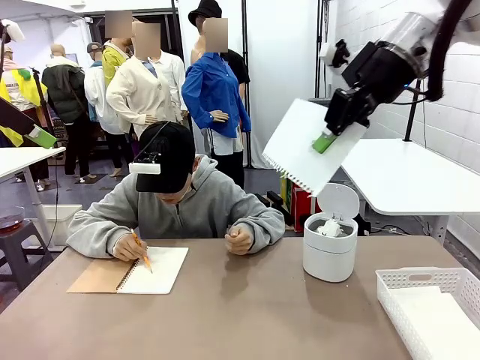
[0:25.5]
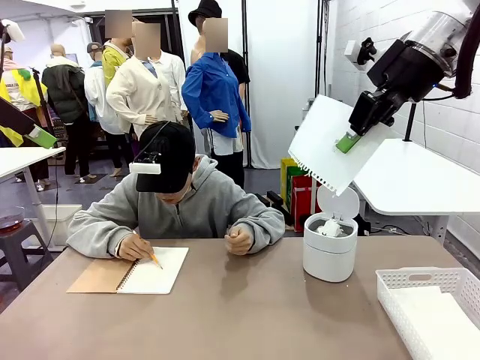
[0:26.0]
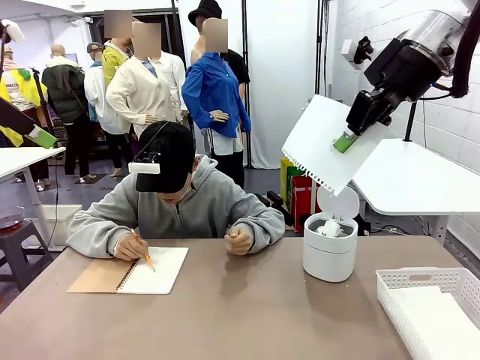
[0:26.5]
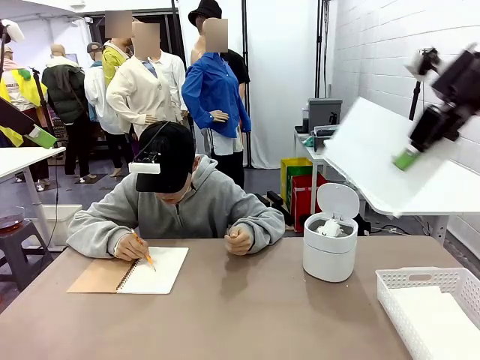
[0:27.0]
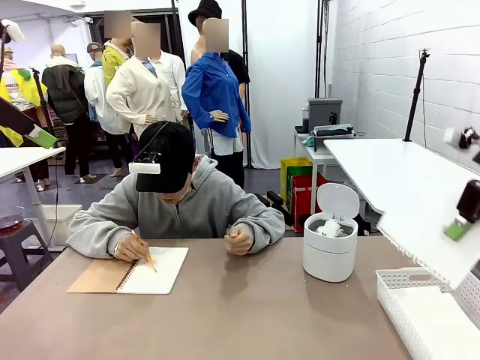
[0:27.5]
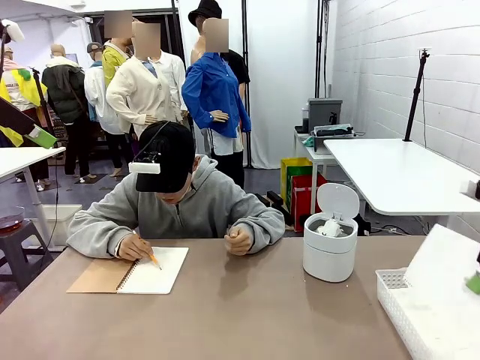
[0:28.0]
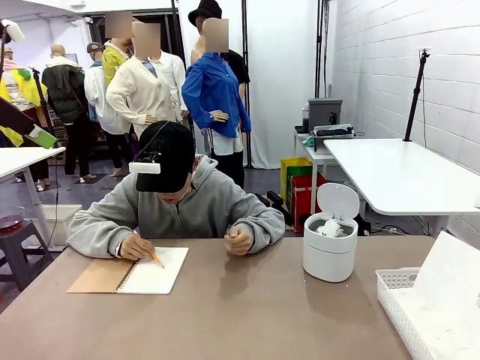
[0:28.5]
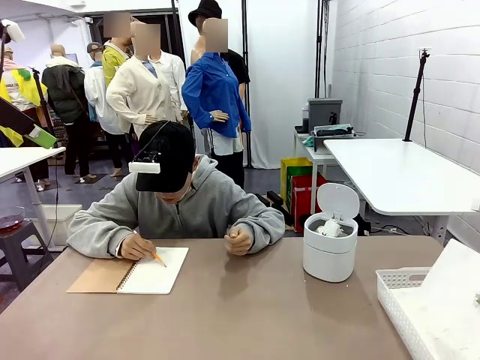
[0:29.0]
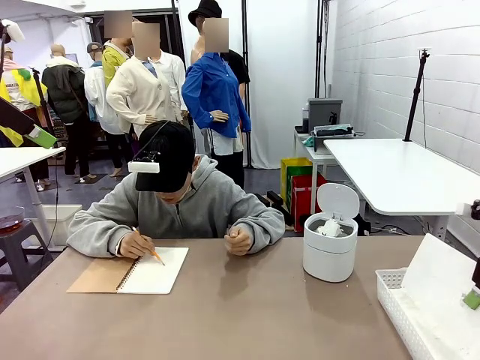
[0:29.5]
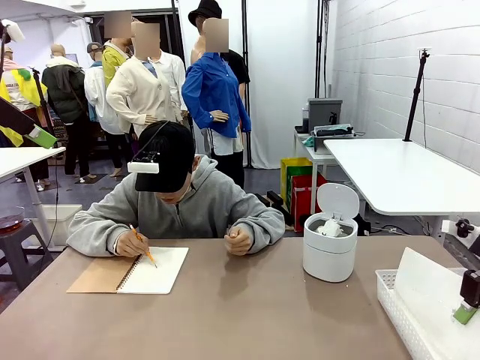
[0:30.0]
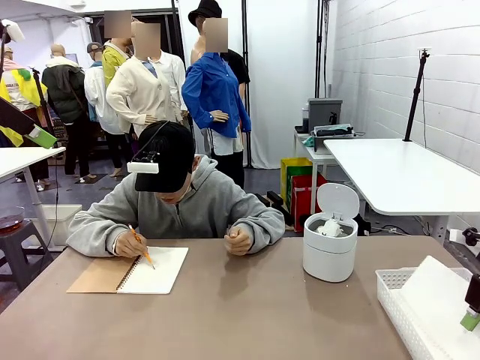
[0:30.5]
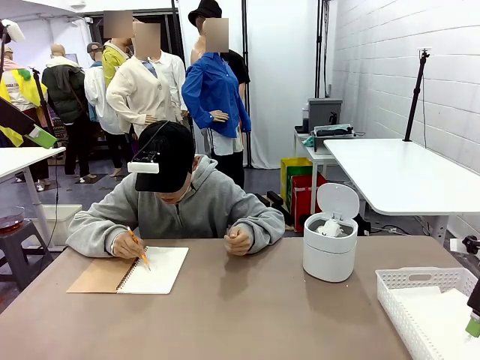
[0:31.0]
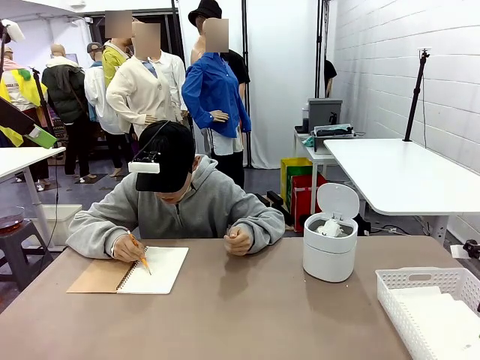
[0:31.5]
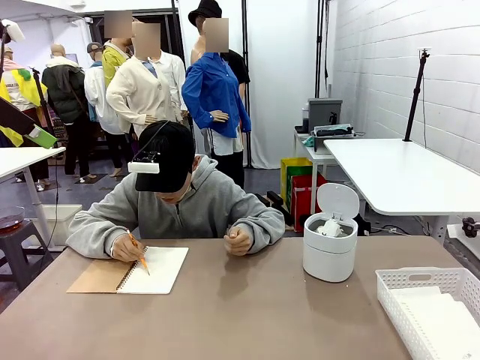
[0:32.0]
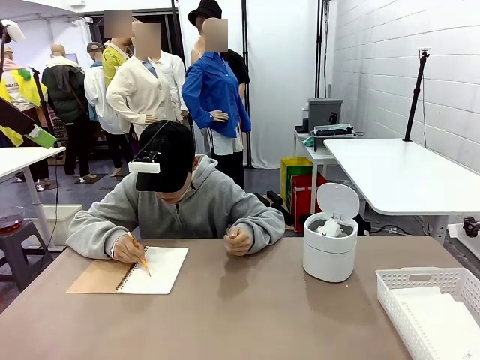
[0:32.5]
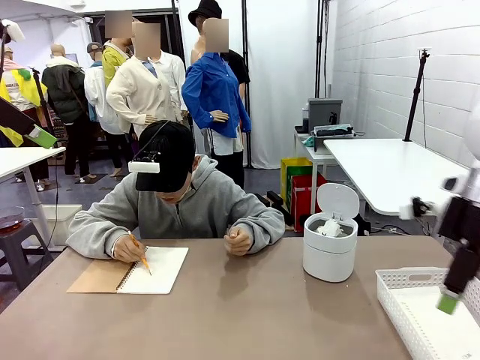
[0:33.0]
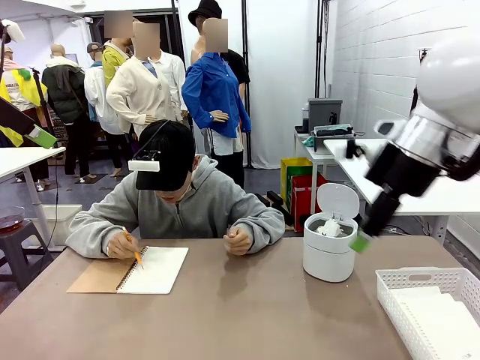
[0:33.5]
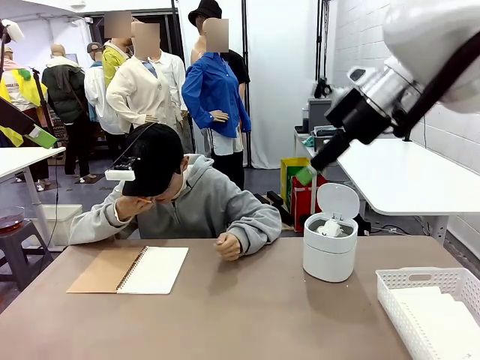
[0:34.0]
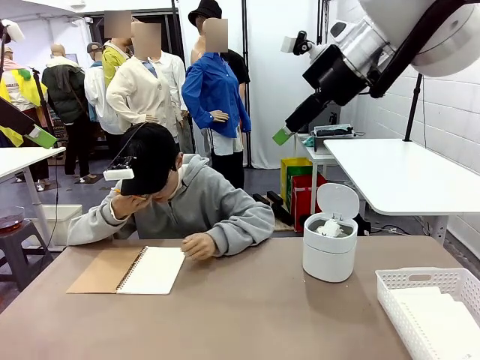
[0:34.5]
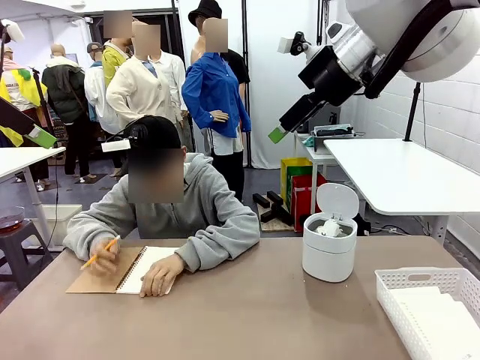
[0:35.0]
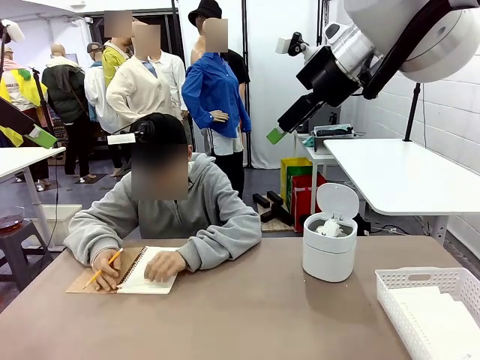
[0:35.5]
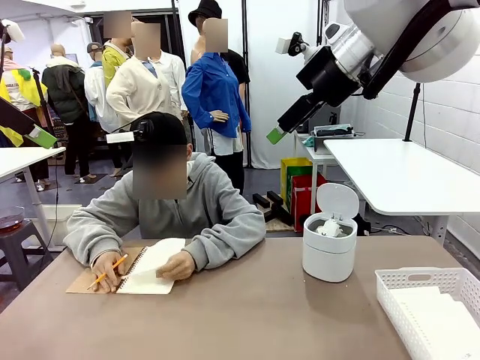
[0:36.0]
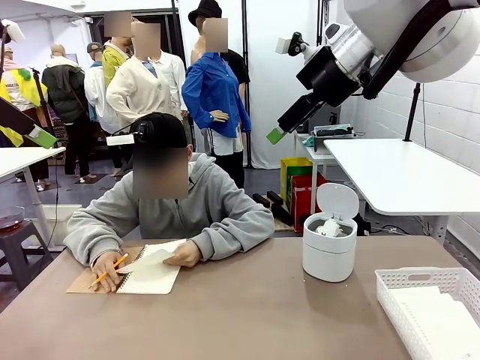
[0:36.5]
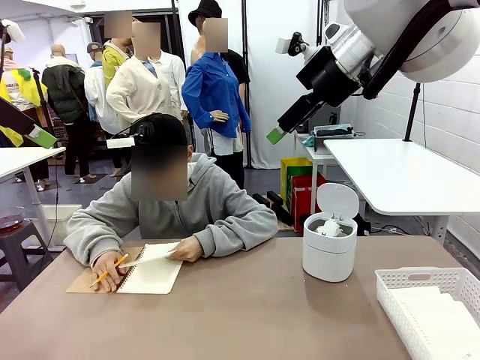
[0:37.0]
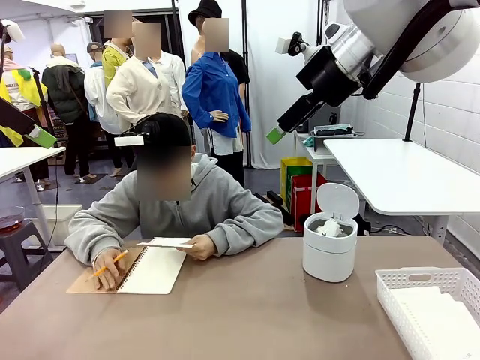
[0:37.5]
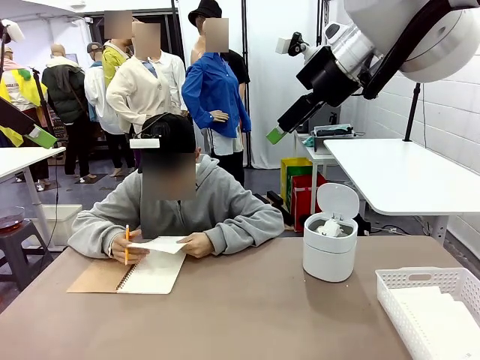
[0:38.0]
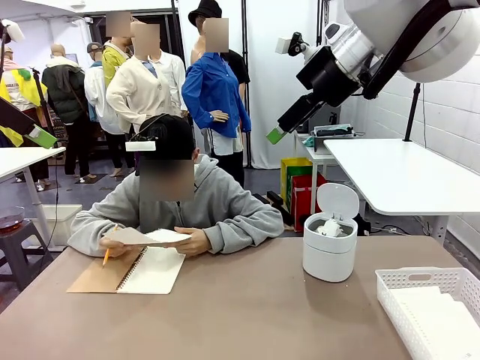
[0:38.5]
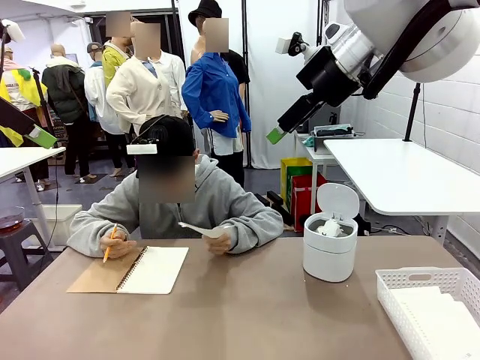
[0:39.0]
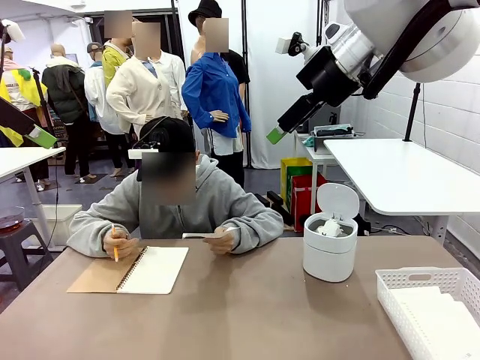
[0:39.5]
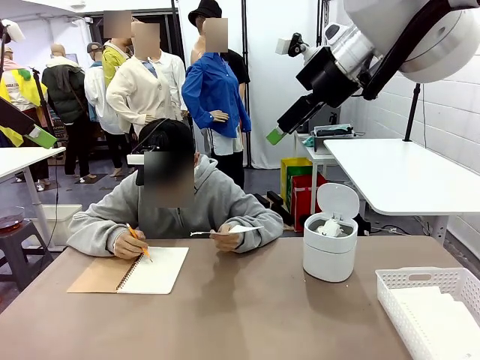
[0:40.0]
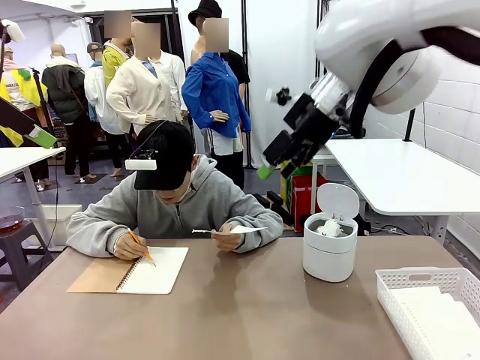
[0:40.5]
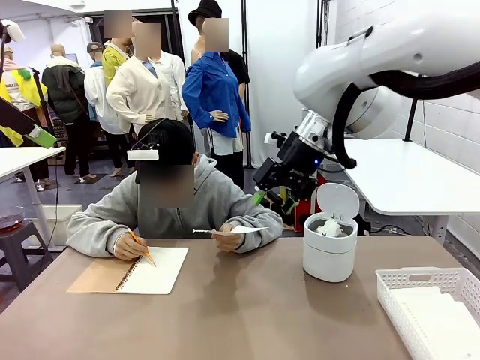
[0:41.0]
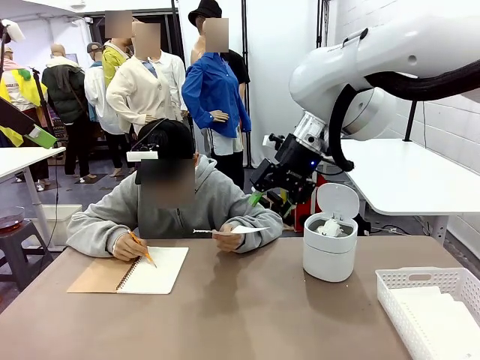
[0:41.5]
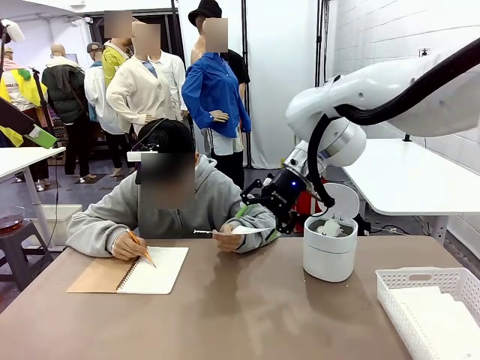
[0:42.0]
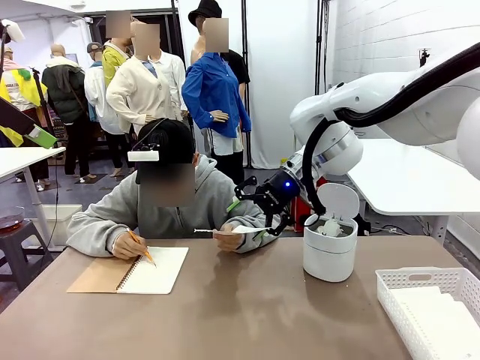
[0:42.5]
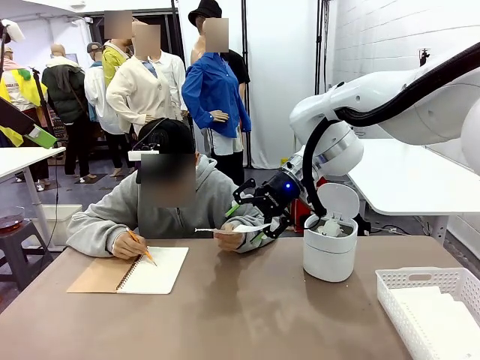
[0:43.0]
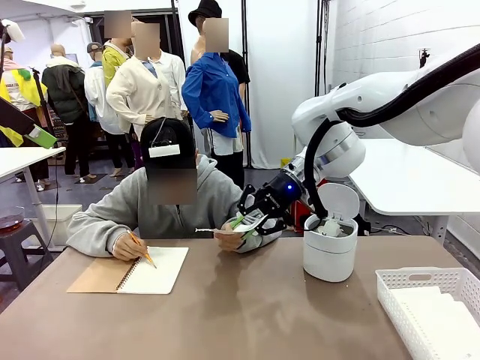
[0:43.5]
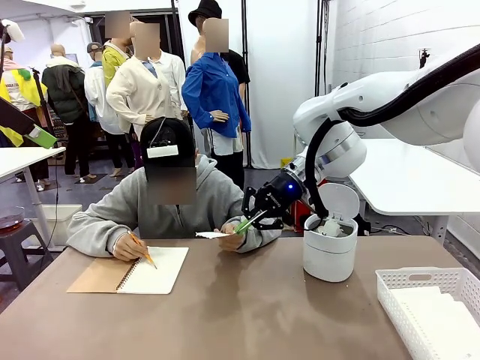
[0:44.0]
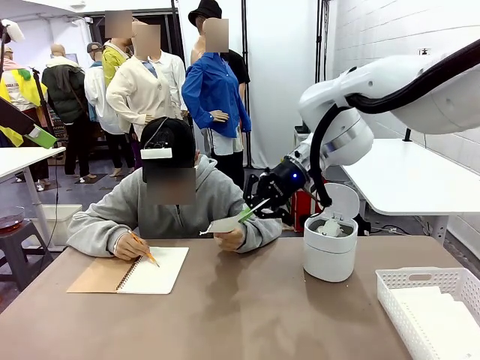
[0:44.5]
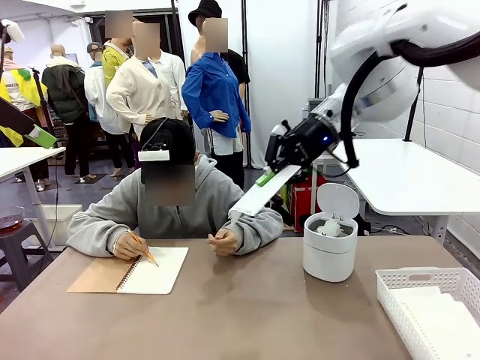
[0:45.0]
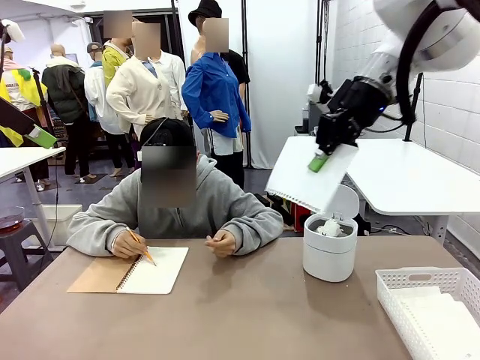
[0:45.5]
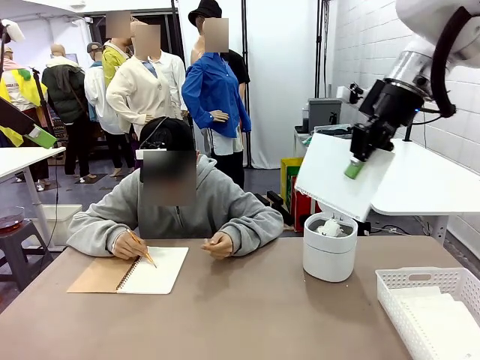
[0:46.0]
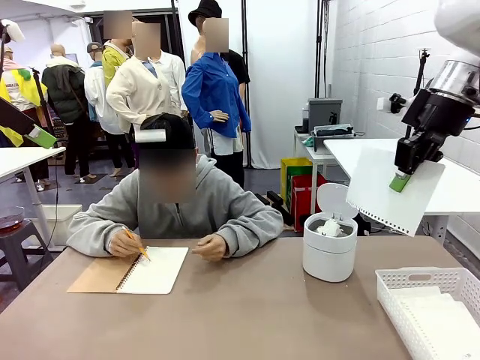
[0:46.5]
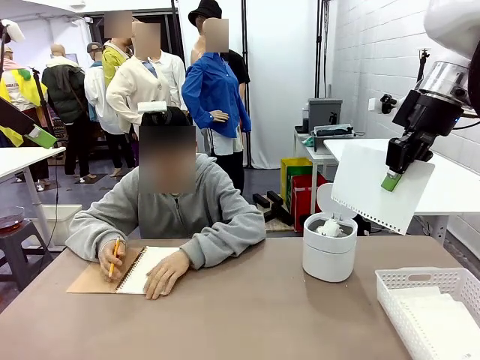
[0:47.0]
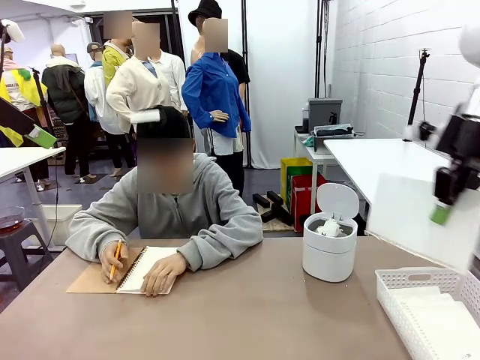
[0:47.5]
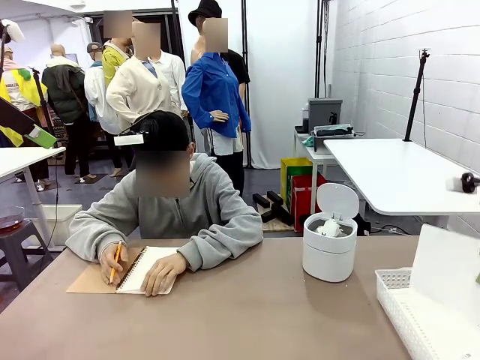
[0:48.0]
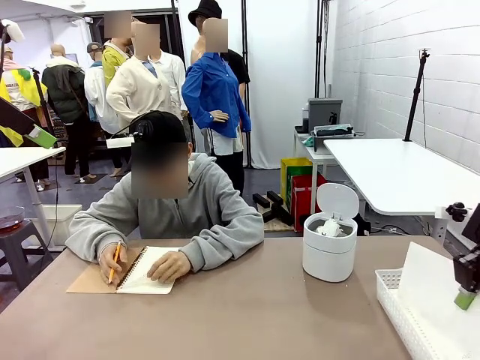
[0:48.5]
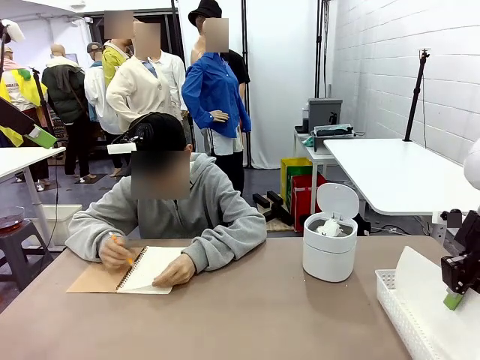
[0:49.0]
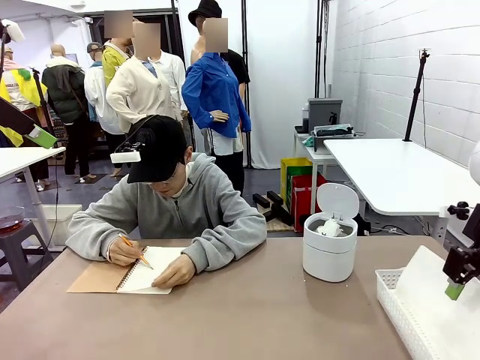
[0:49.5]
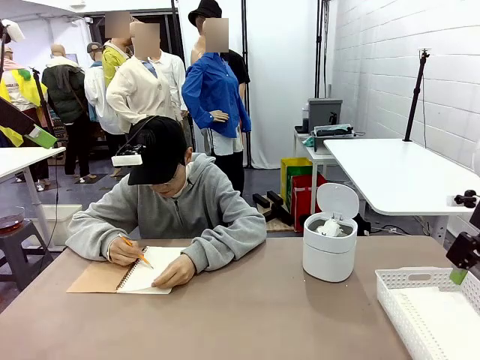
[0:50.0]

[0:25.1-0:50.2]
Task: Sort the paper based on its condition.
Robot: If a person hands you a paper, place it in the Organizing basket , and if it's crumpled, put it in the Trash can.
Person: Tear out a page from the spiral notebook. Hand the torn page to the robot or crumple it and throw it to the center of the table. Tear out a page from the spiral notebook.
